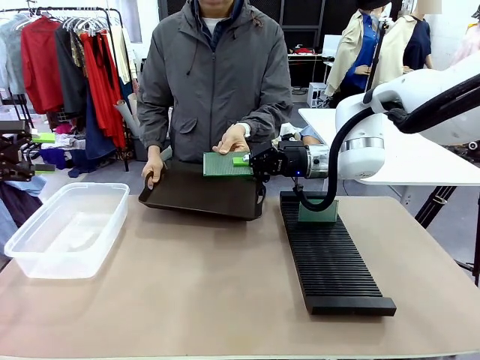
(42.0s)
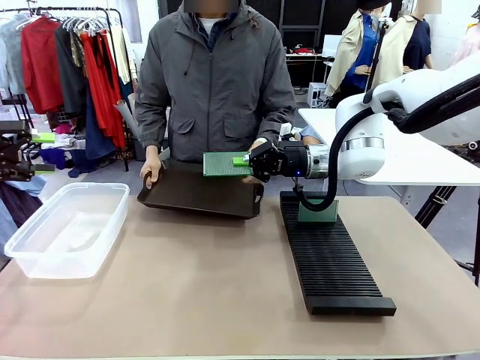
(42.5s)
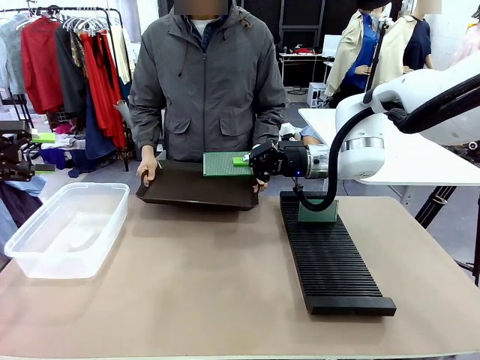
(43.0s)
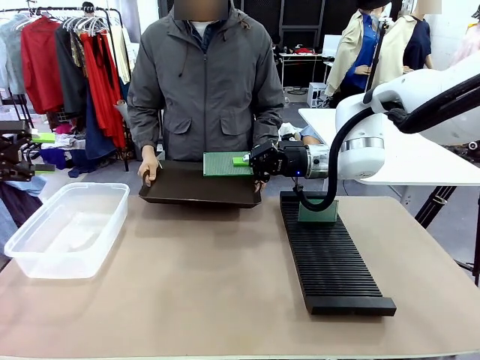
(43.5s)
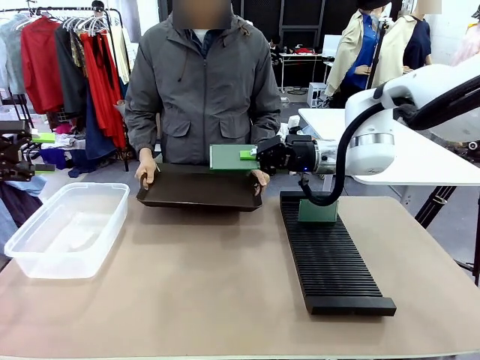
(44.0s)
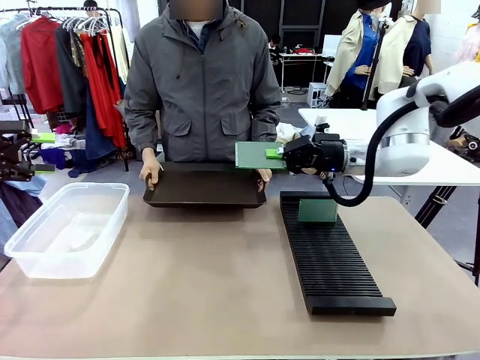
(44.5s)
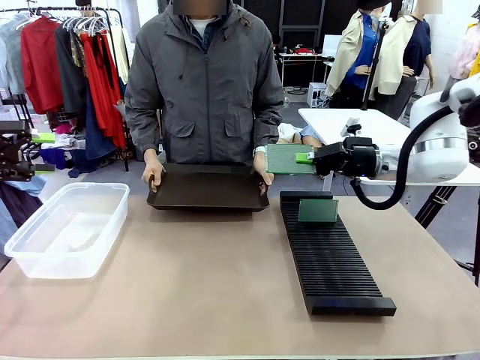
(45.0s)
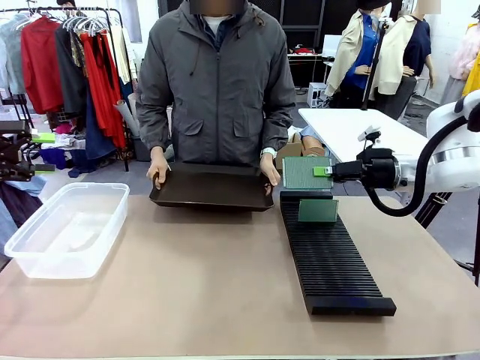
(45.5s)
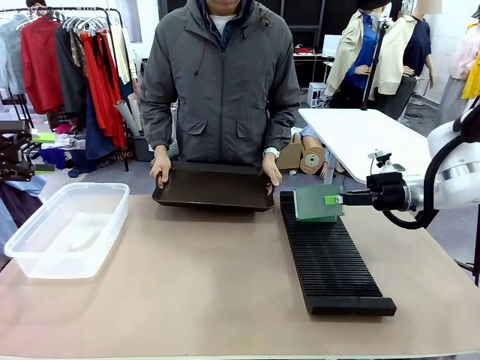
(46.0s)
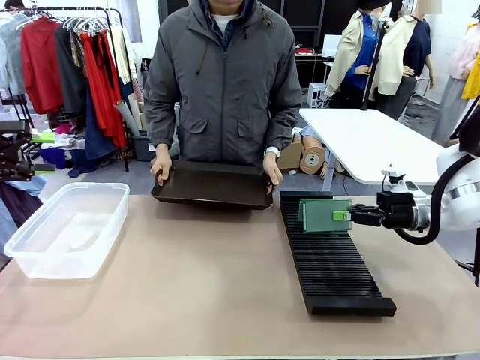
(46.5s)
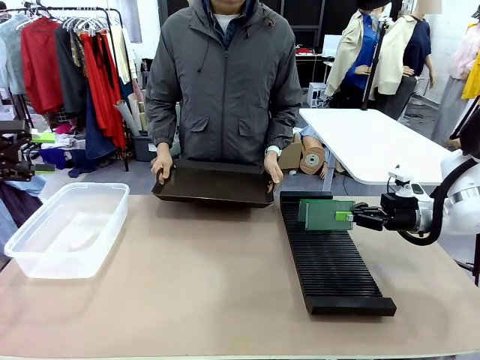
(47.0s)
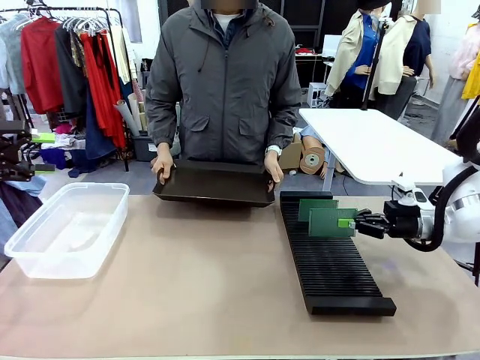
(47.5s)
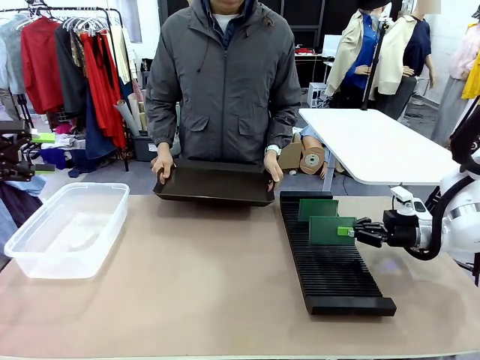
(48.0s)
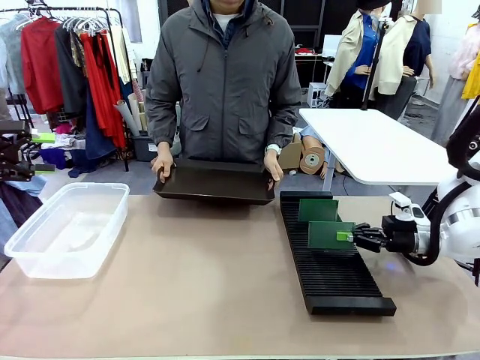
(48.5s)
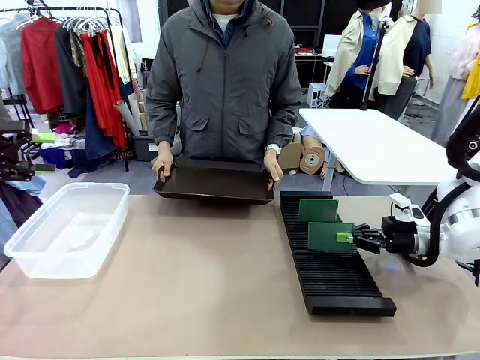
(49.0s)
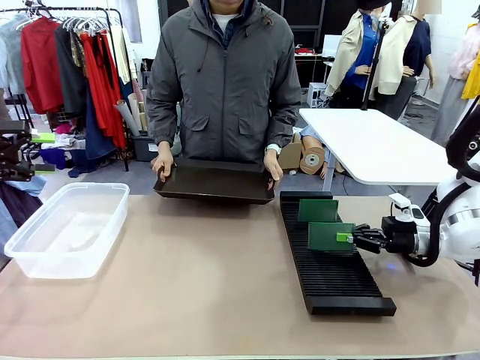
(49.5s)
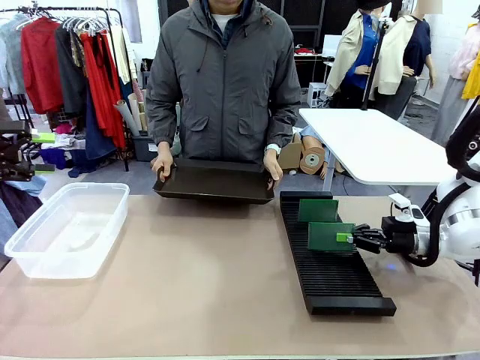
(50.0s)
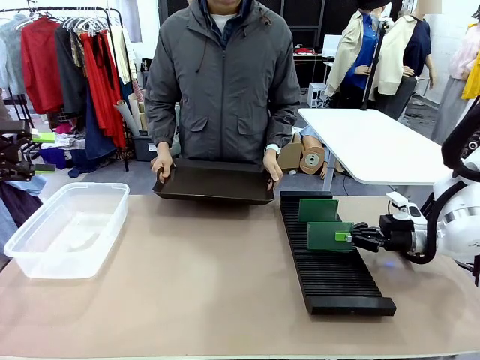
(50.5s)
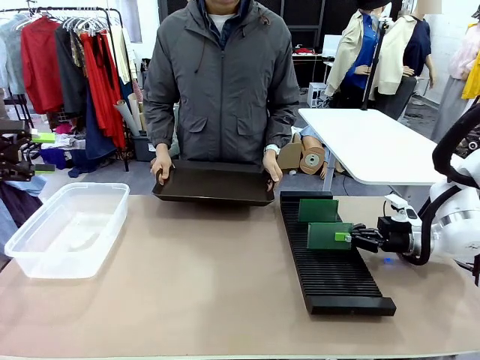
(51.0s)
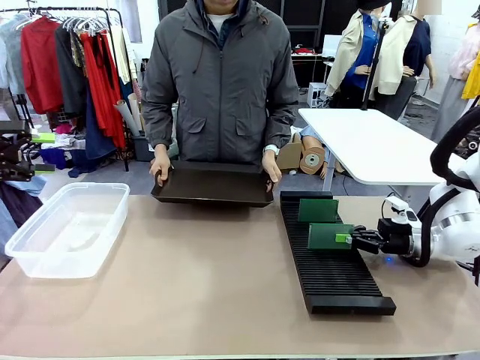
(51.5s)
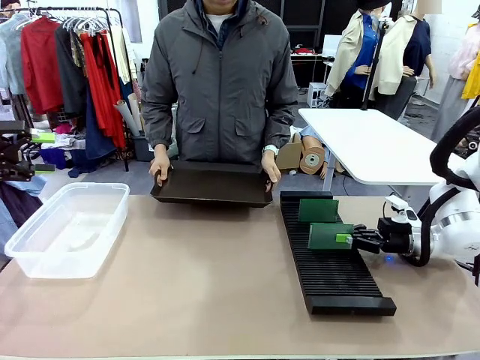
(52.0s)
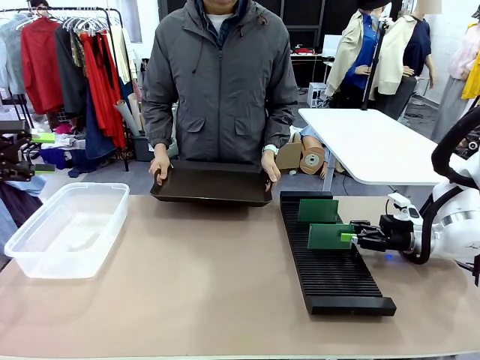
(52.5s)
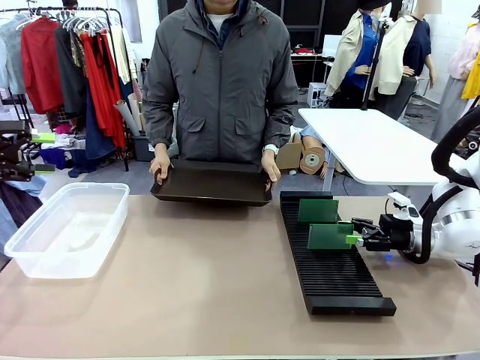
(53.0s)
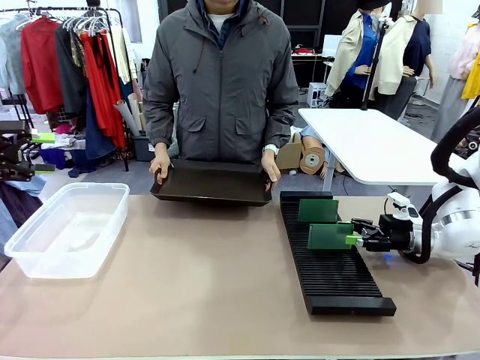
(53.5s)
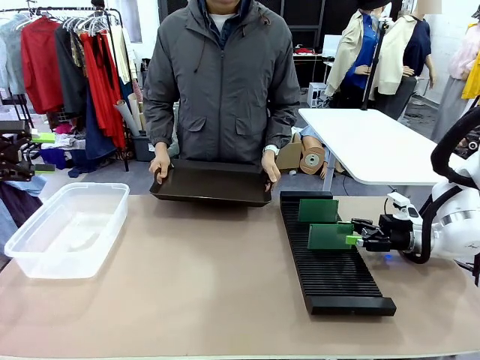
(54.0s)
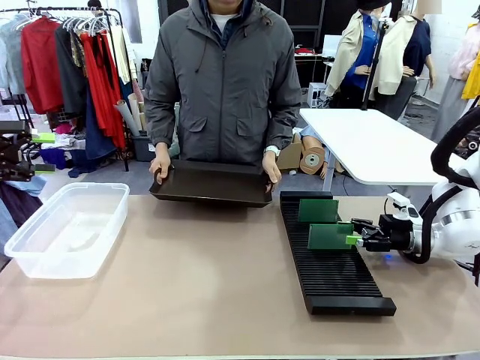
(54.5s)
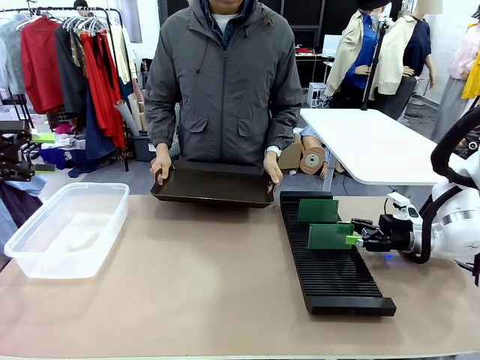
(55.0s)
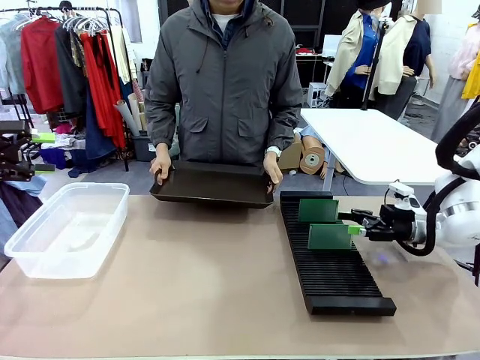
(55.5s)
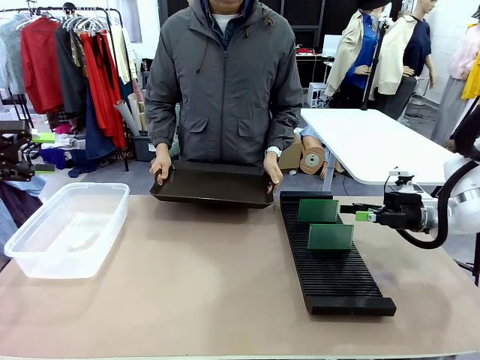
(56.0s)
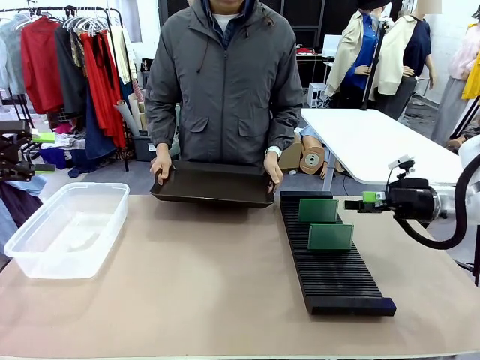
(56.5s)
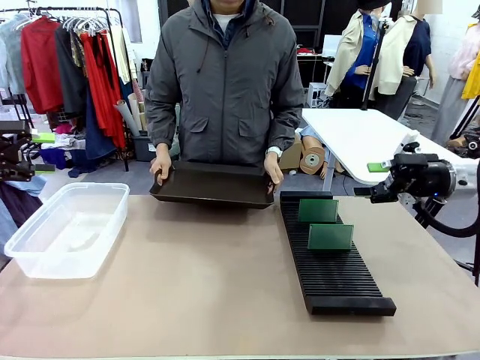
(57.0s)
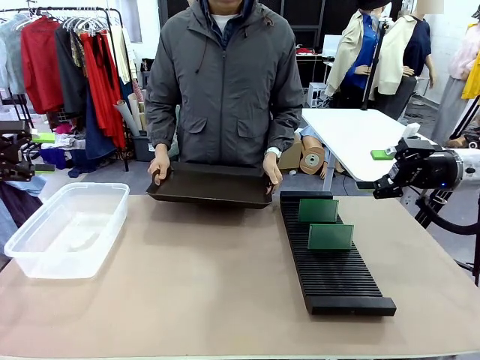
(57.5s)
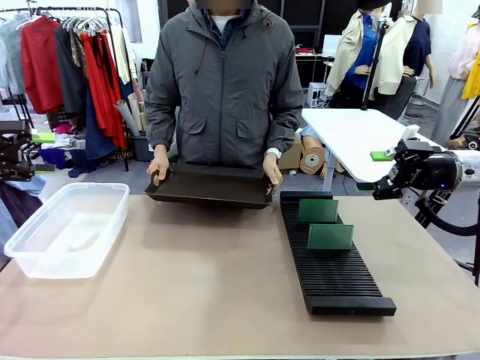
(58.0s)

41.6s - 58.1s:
Task: Sort PCBs into racks and boxes based on the side picked up.
Robot: If the short side of the Blank PCB is picked up, insert it into the PCB Rack ; if the long side is picked up, place it in the Organizing box.
Person: Release the PCB being held.

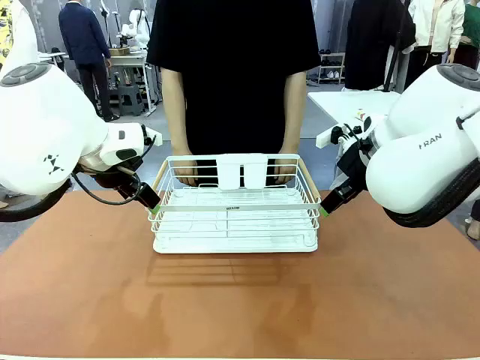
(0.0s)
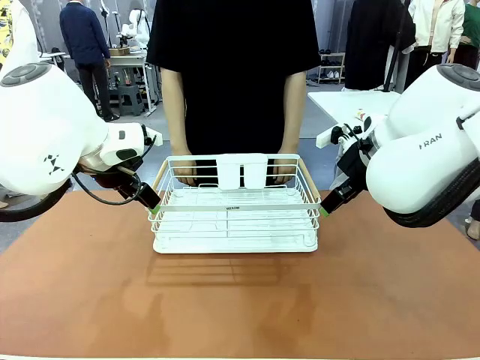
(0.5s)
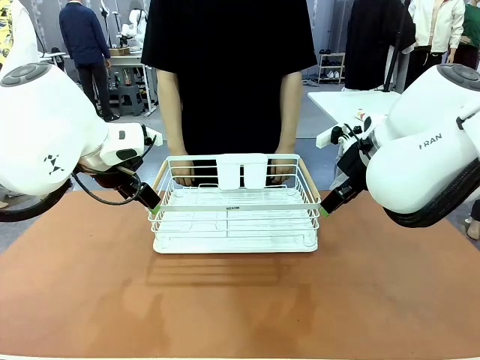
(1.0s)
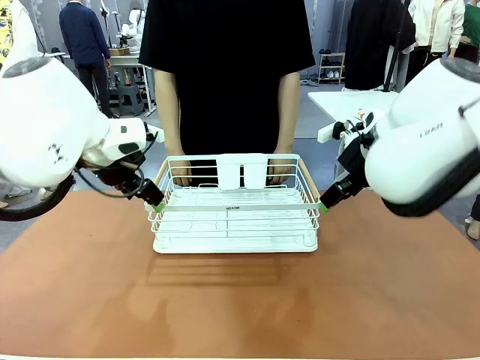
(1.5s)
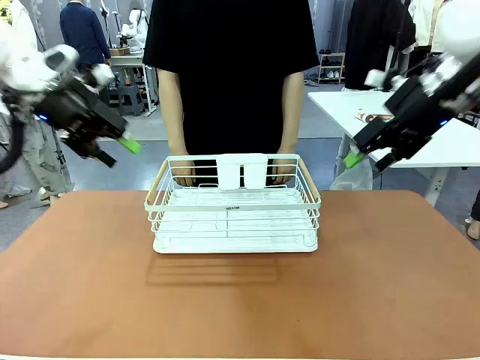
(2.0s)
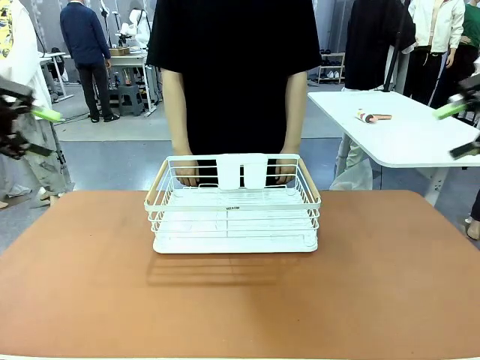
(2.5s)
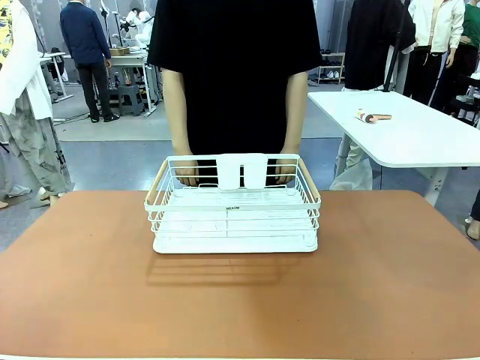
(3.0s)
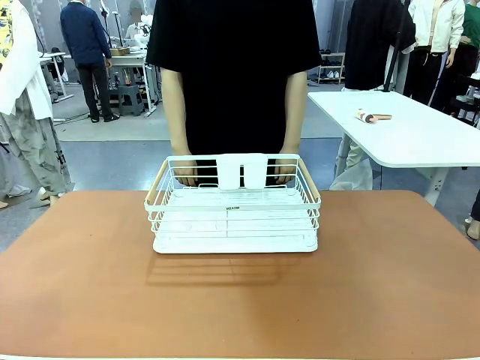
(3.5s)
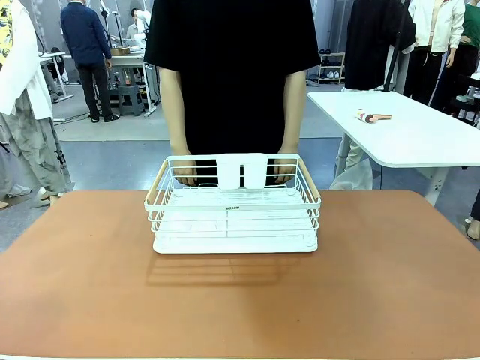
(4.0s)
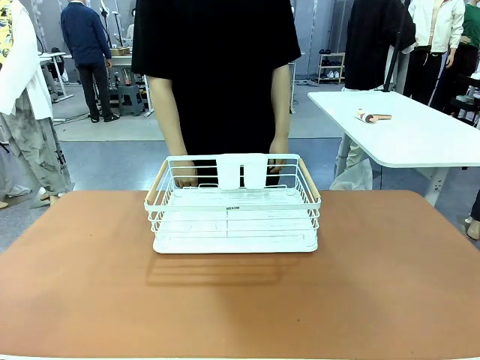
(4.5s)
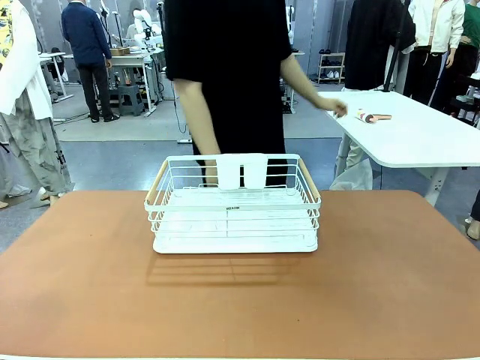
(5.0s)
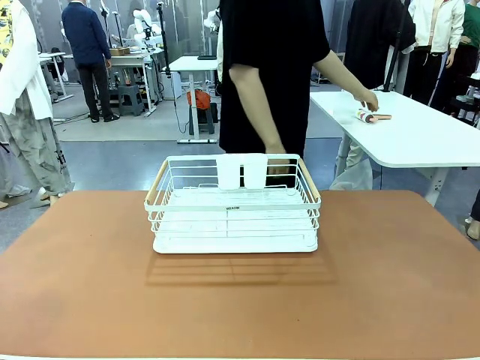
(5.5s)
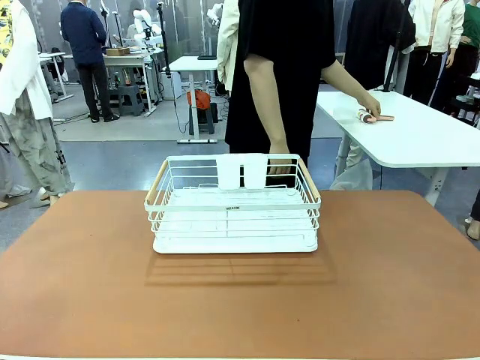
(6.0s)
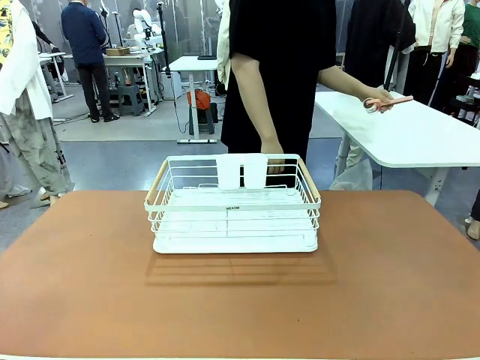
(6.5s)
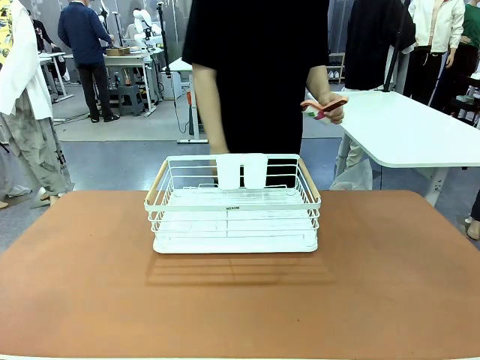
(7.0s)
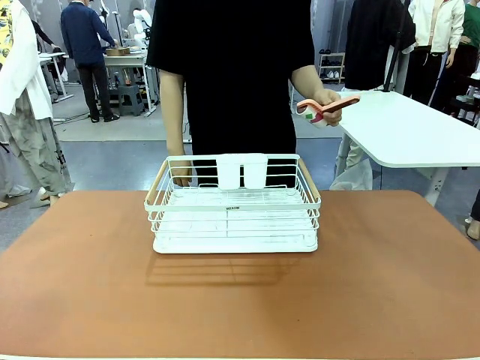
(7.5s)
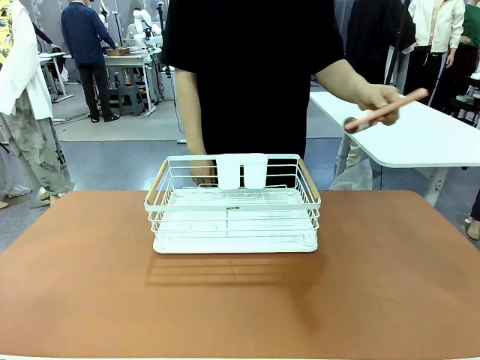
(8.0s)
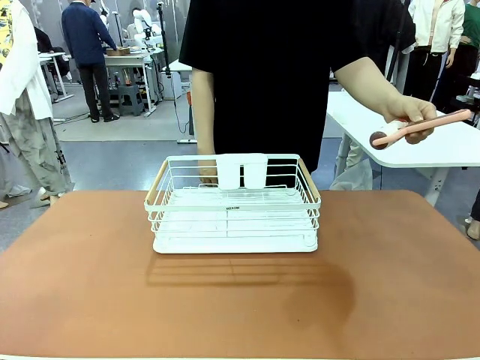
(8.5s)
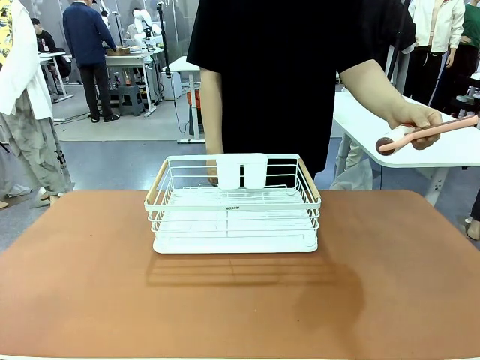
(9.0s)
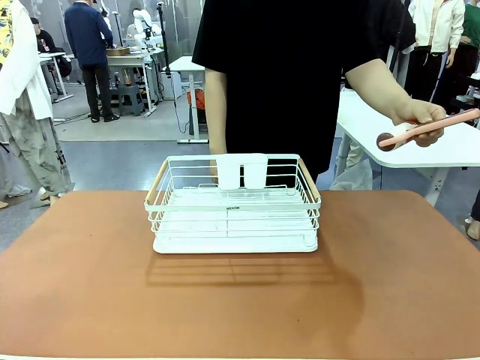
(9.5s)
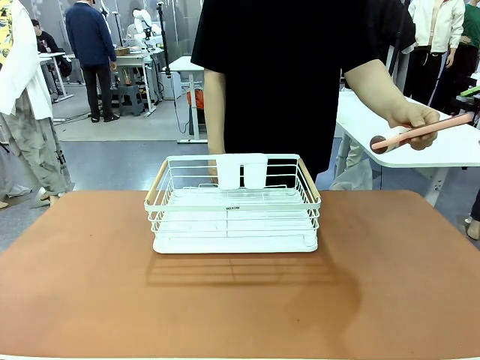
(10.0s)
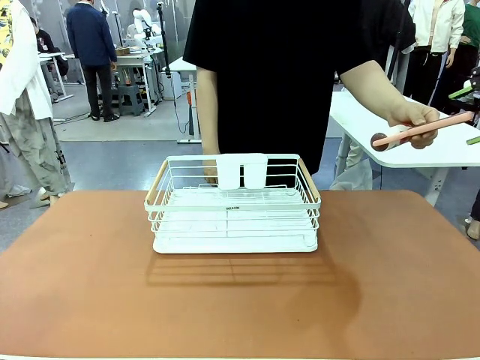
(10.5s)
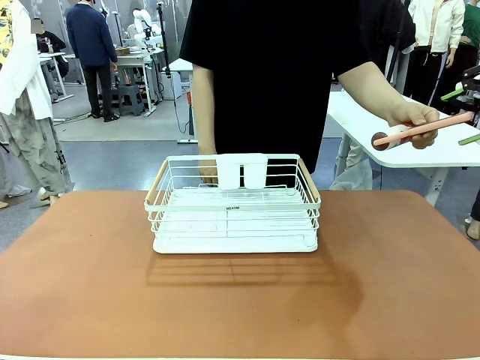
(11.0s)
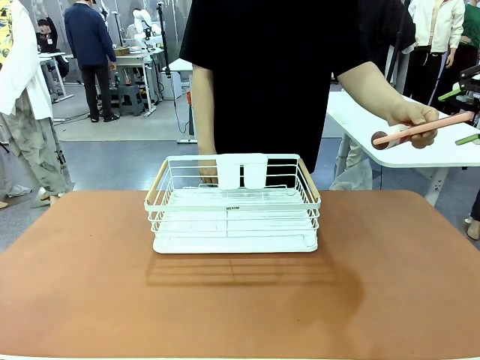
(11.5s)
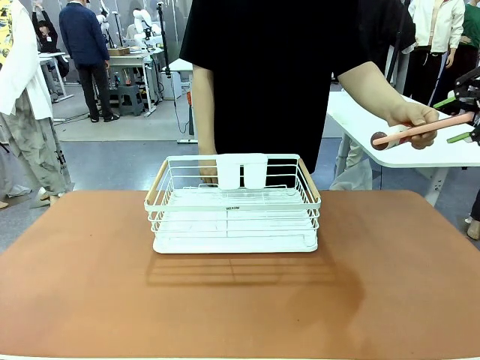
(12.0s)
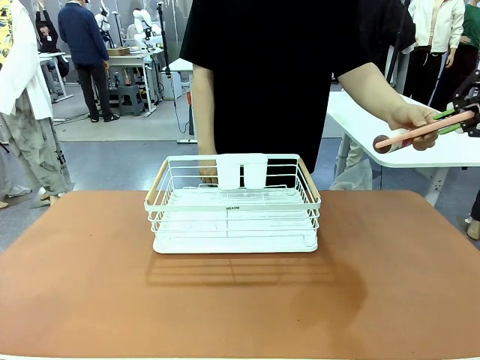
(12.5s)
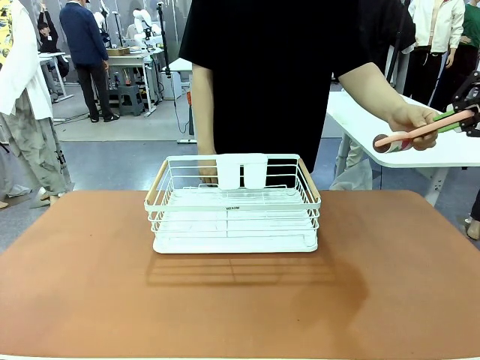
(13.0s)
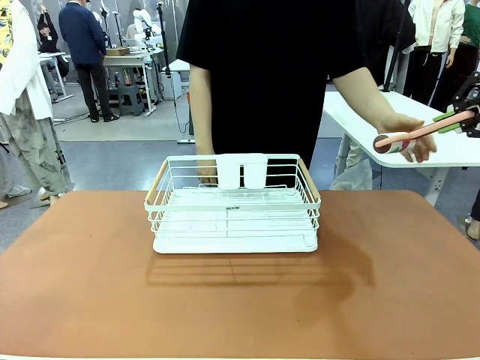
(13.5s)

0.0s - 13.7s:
Task: Clean the table.
Robot: Pick up the Lint Roller when the human hands it over.
Person: Hand the Lint Roller to the robot so it can easily pick it up. Lift the Dish drying rack.
